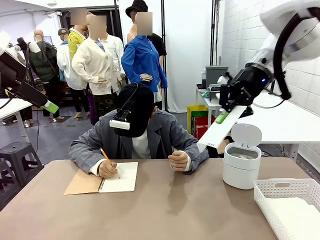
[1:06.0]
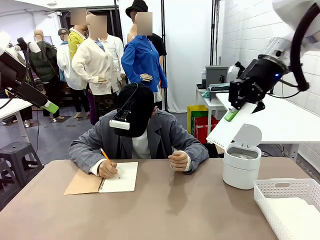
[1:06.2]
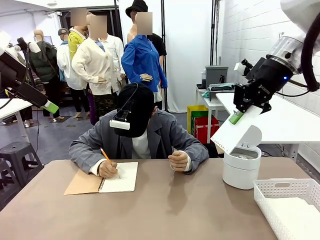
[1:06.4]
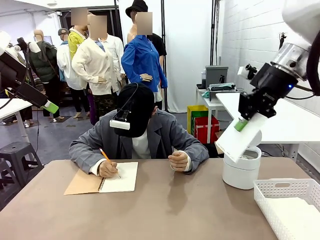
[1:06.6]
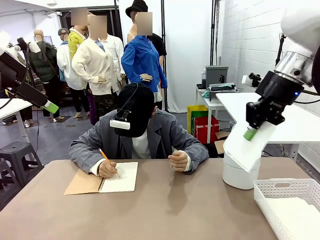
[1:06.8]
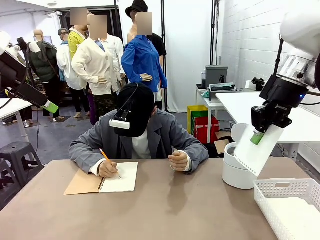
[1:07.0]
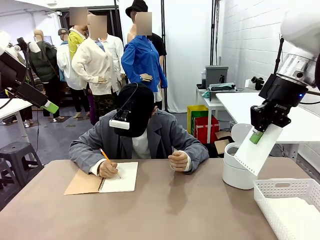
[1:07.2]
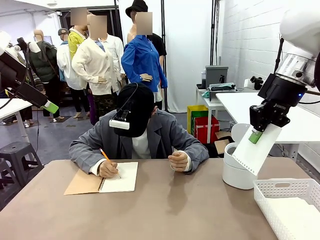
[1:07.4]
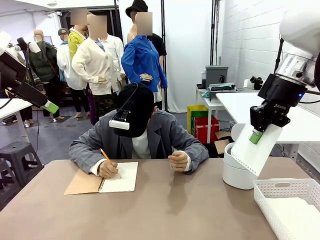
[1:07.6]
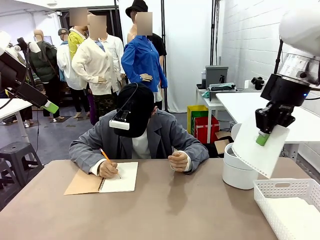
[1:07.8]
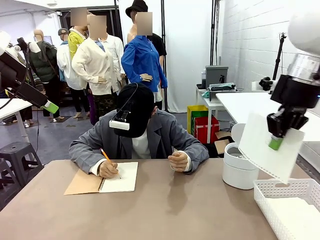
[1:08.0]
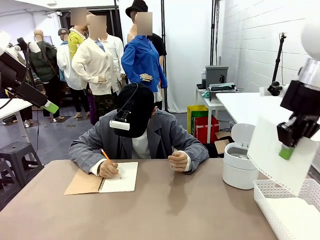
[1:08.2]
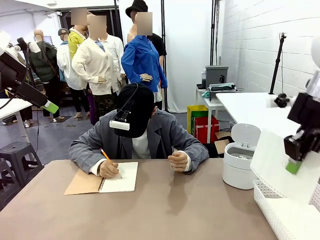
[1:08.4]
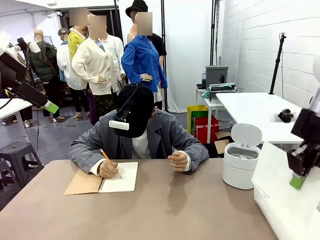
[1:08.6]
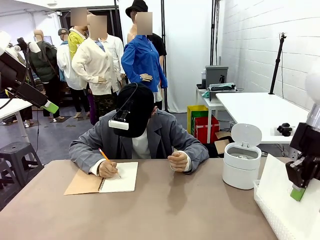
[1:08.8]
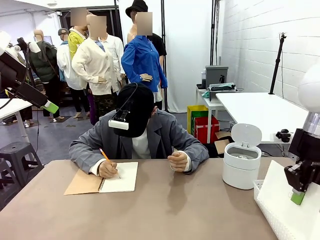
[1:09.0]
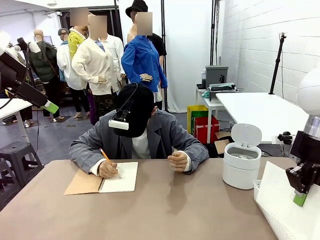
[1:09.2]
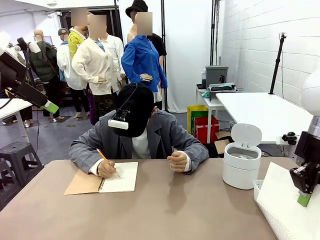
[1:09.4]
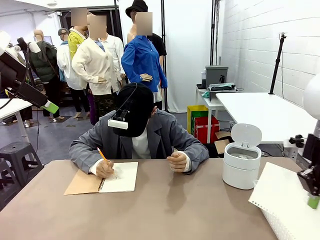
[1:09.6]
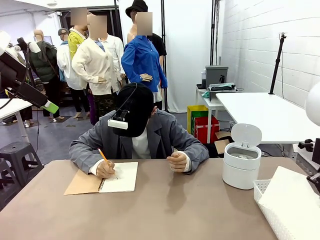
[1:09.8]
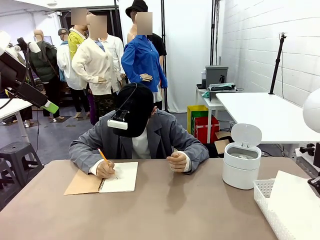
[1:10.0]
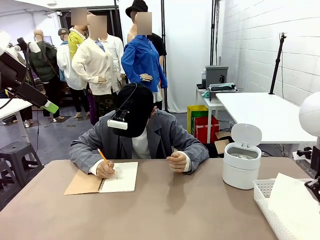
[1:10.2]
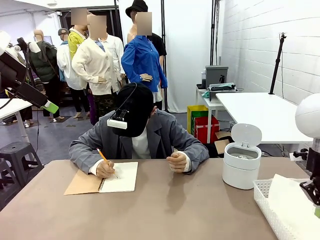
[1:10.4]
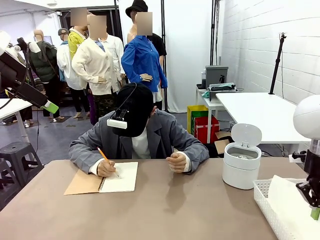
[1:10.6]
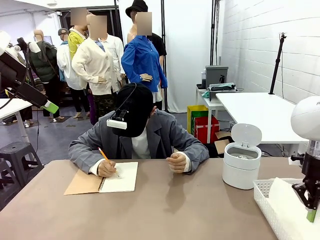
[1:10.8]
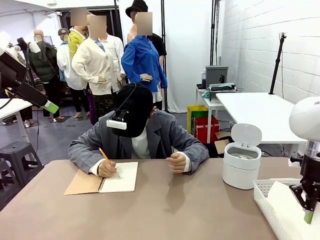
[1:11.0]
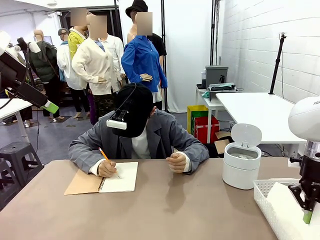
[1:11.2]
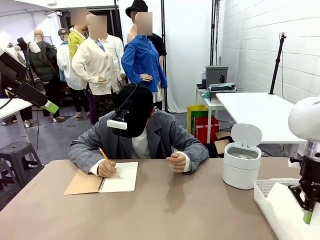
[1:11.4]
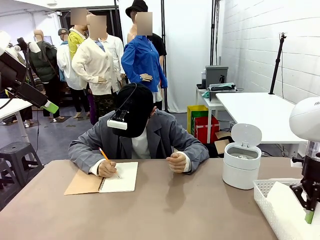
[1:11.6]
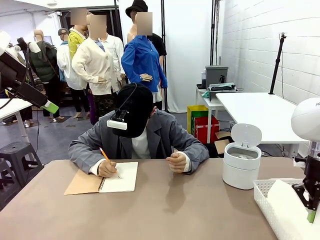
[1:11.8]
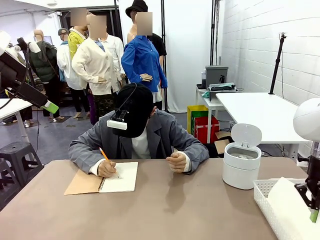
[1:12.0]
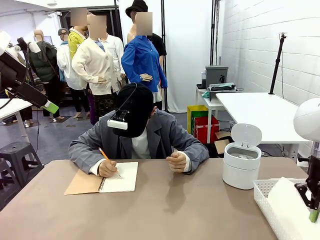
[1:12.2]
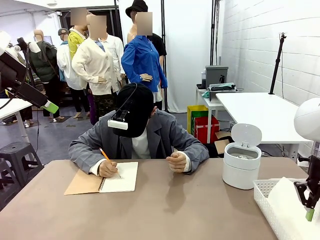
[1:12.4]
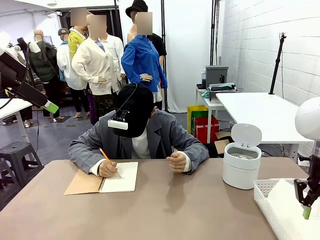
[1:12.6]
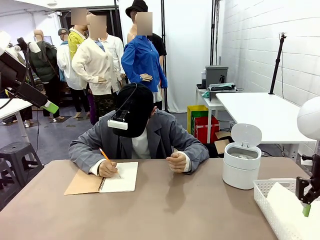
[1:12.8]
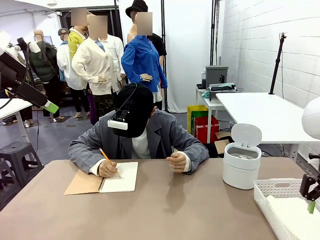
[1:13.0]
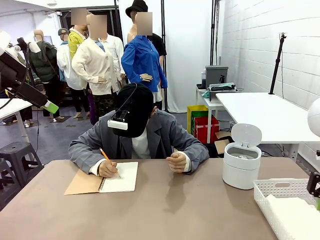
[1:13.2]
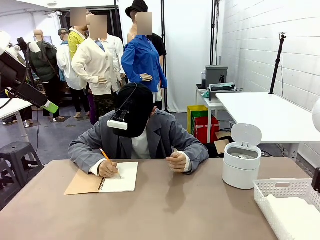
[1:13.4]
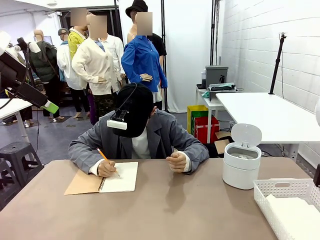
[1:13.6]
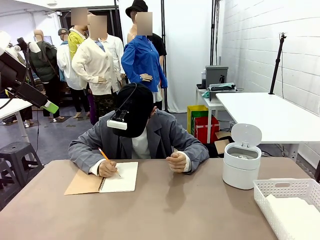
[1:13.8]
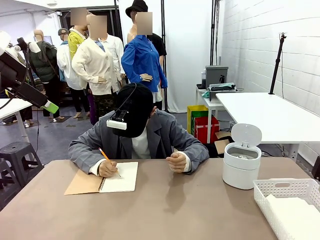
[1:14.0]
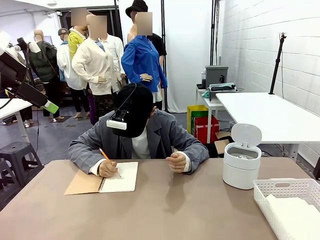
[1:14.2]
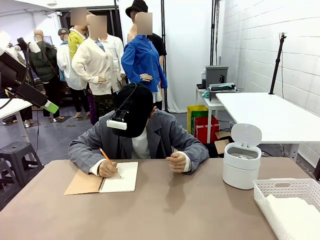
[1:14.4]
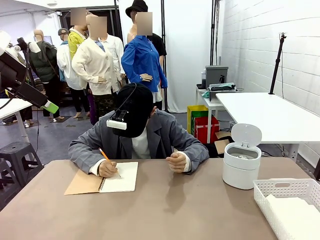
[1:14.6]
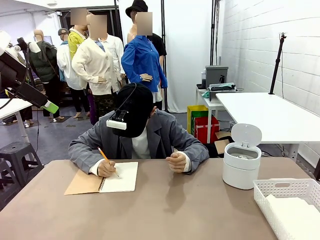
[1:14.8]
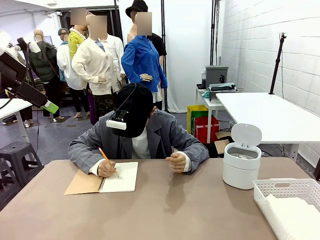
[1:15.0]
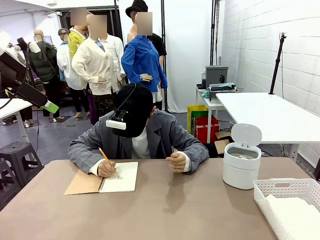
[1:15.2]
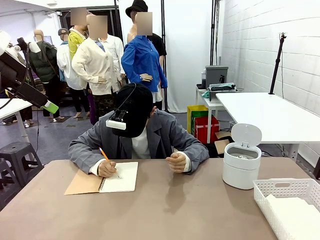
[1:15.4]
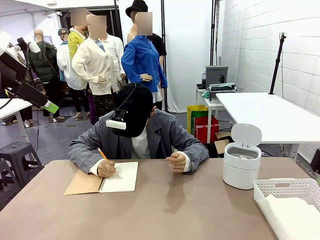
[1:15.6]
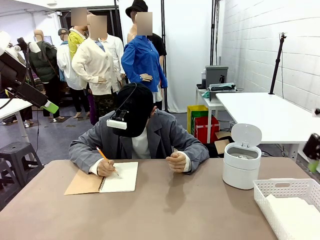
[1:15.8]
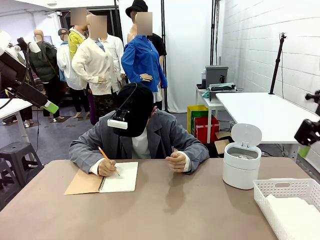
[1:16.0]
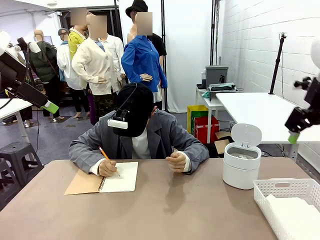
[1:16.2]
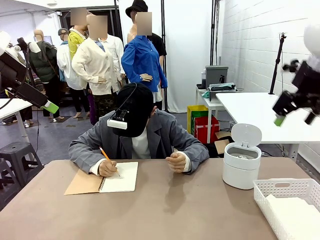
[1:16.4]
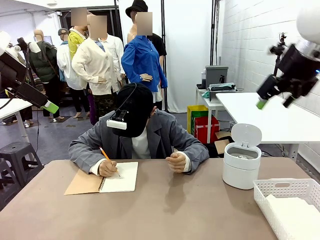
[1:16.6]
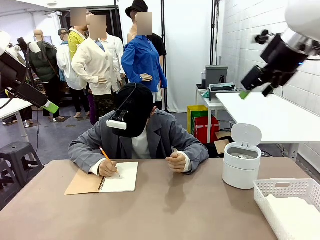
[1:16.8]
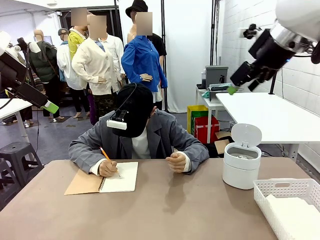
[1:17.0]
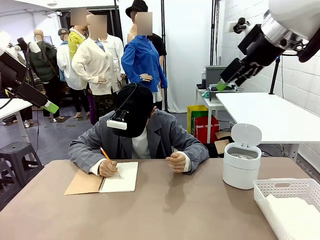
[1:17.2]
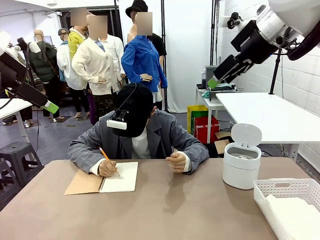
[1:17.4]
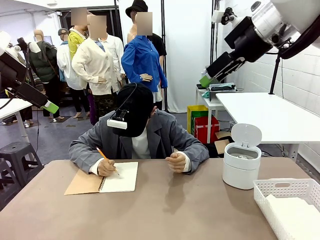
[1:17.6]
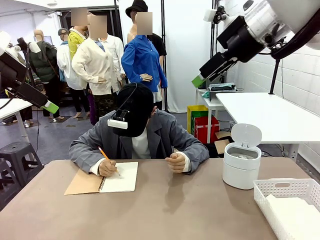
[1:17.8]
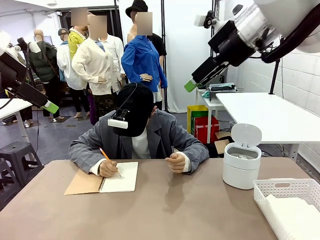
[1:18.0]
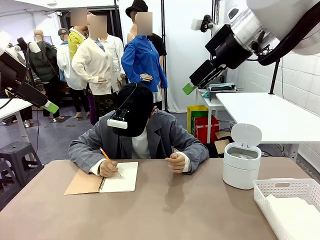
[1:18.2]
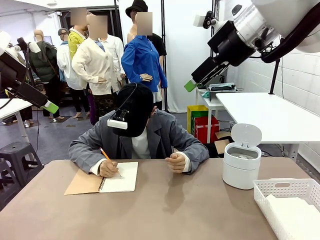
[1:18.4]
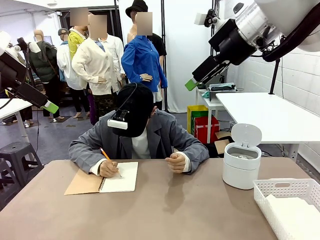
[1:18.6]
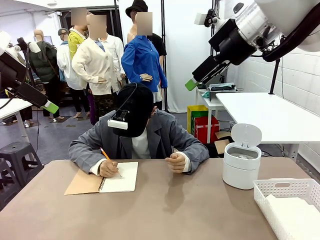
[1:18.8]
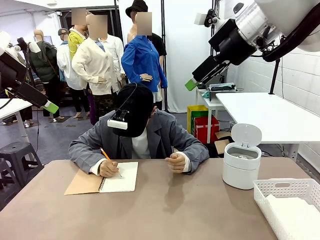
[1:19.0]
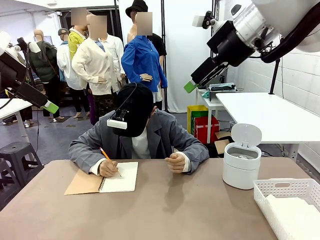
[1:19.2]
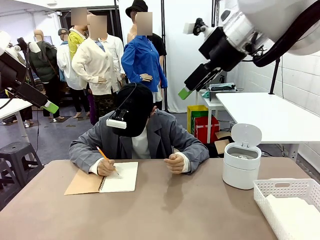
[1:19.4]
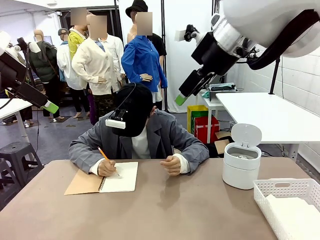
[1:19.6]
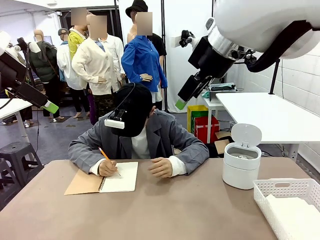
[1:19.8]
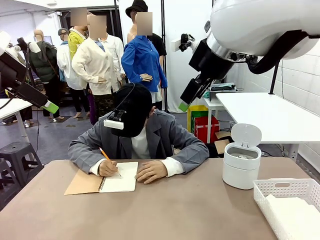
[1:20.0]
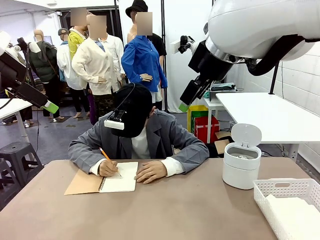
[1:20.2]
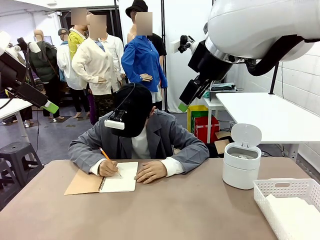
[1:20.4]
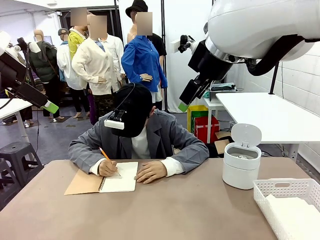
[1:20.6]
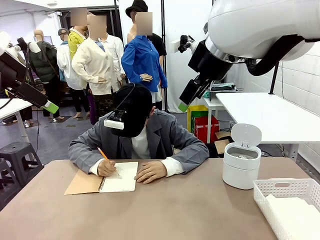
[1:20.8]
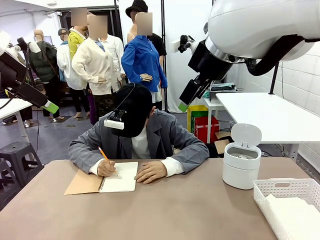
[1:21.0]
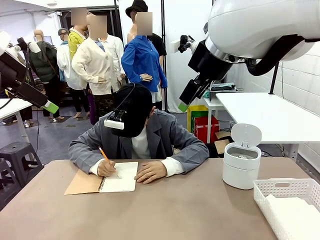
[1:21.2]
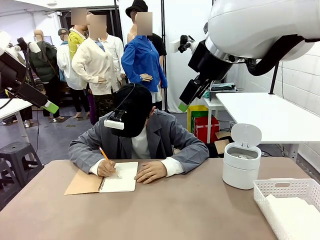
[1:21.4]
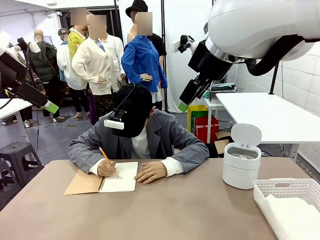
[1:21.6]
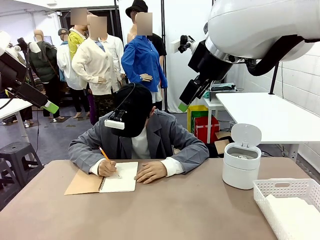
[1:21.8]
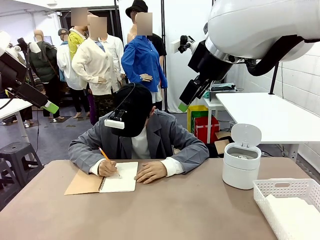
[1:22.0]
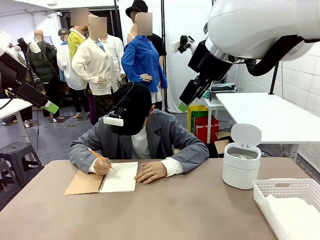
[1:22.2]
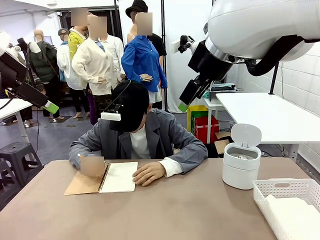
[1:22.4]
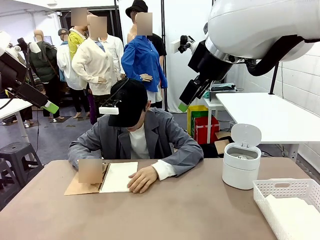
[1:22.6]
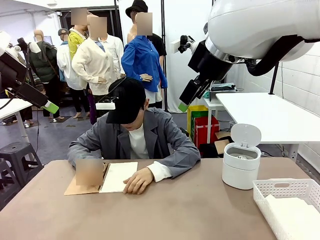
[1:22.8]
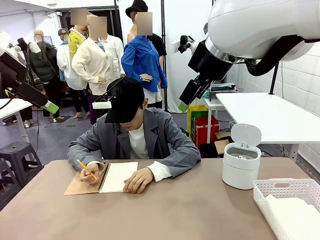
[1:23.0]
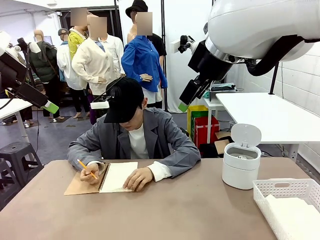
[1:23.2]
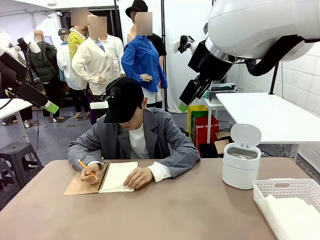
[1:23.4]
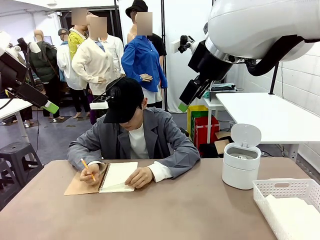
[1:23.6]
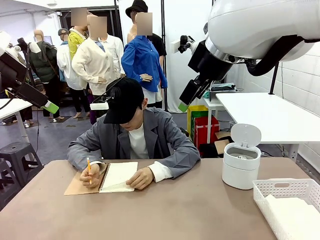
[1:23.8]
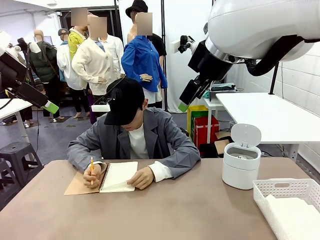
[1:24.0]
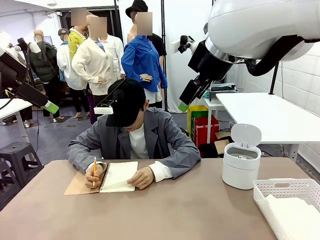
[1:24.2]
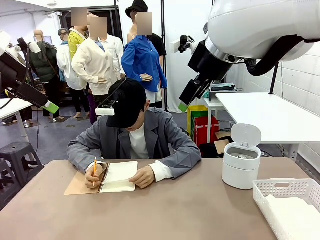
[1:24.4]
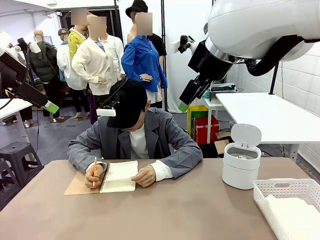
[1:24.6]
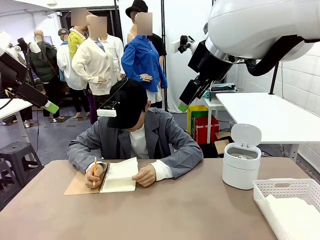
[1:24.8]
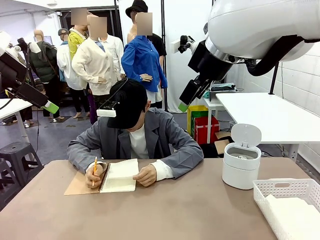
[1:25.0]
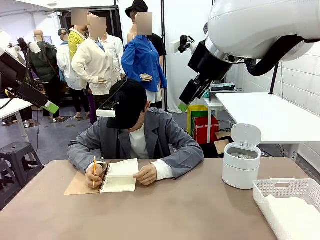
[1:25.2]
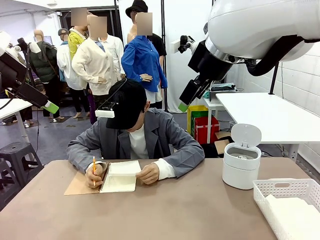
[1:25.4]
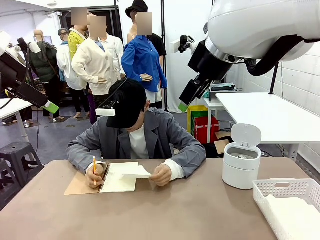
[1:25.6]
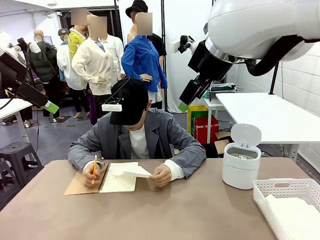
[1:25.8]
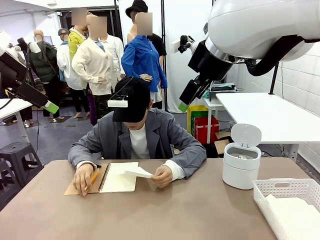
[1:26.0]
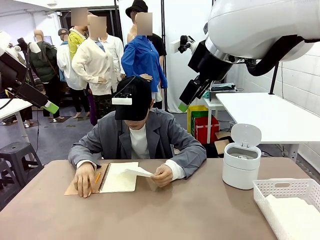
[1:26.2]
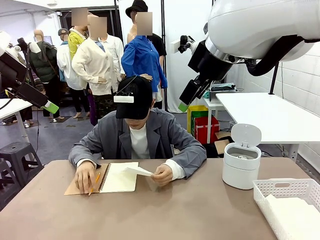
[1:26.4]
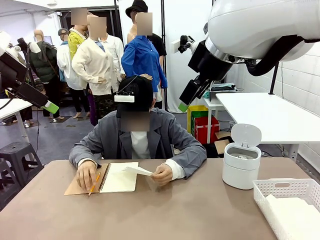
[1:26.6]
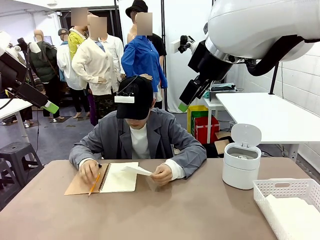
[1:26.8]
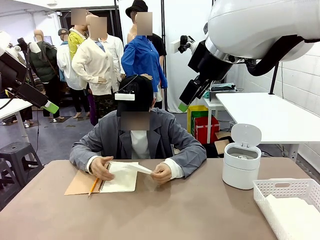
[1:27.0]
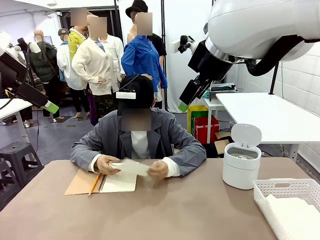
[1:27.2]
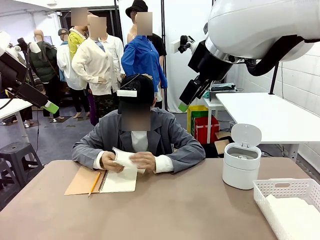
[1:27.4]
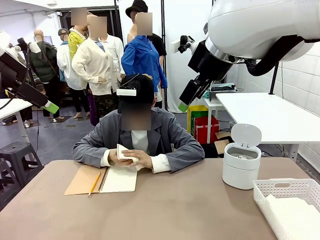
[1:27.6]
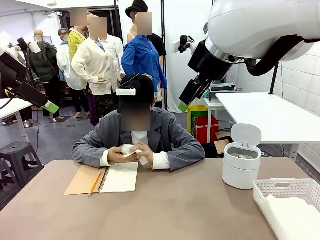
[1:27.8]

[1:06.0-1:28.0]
Task: Sort the paper based on its condition.
Robot: If a person hands you a paper, place it in the Organizing basket , and if it's crumpled, put it in the Trash can.
Person: Tear out a page from the spiral notebook.
